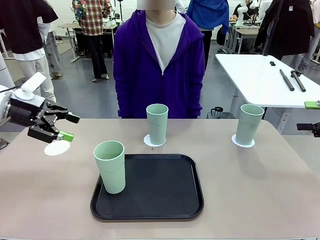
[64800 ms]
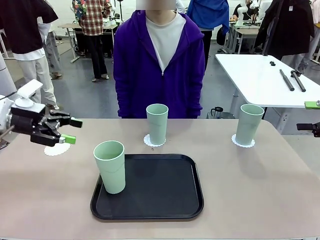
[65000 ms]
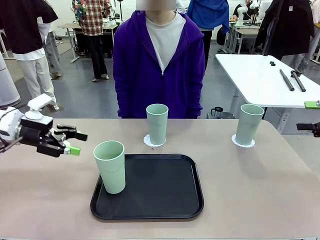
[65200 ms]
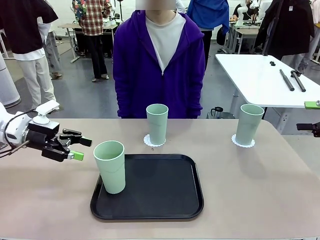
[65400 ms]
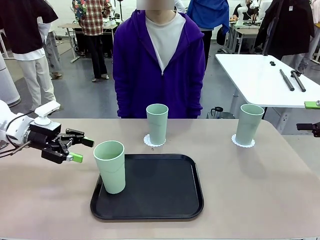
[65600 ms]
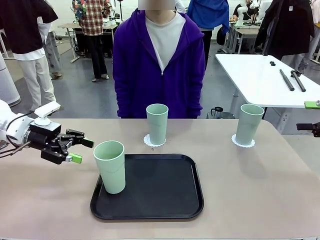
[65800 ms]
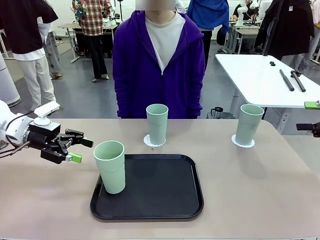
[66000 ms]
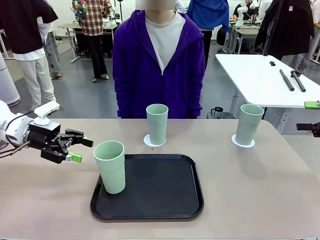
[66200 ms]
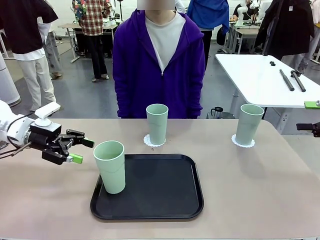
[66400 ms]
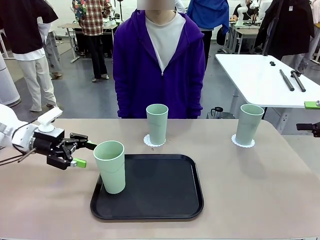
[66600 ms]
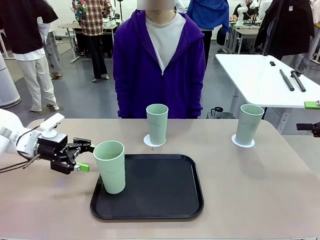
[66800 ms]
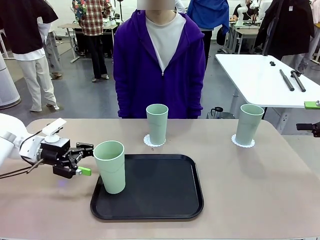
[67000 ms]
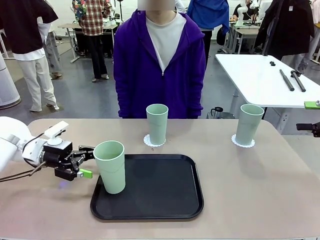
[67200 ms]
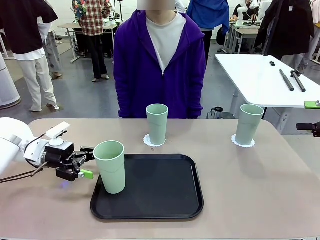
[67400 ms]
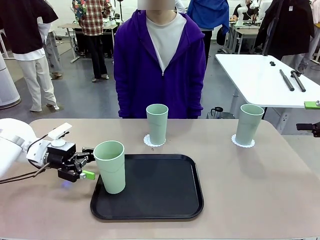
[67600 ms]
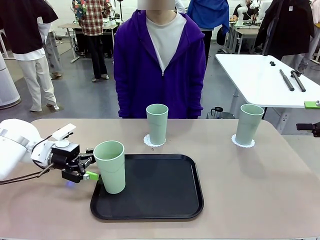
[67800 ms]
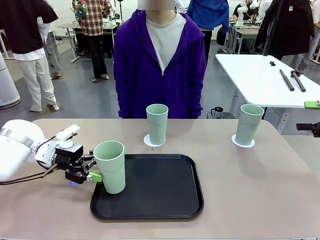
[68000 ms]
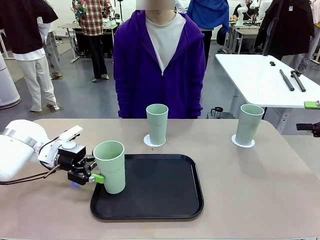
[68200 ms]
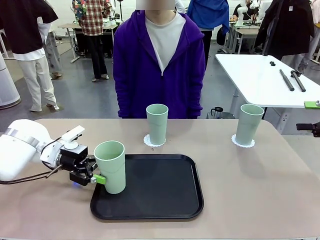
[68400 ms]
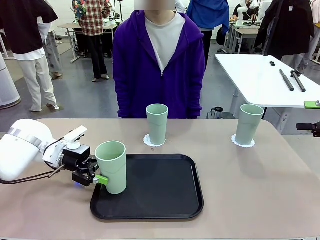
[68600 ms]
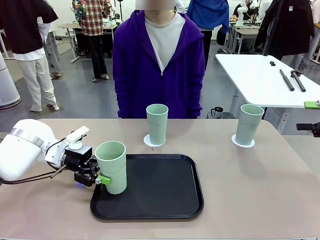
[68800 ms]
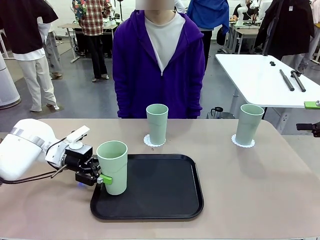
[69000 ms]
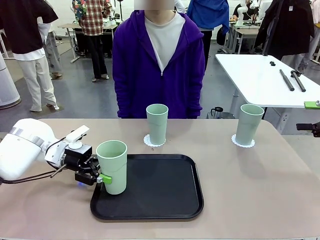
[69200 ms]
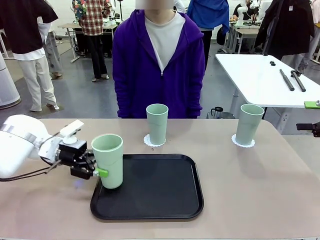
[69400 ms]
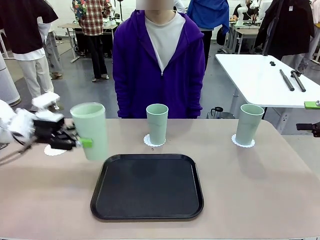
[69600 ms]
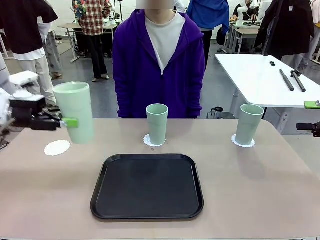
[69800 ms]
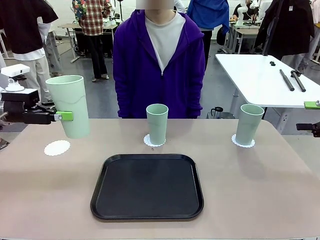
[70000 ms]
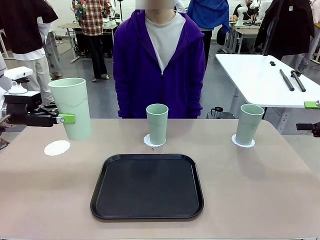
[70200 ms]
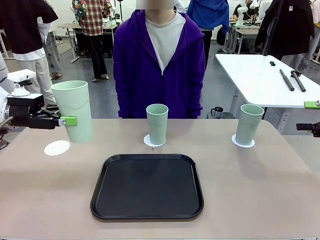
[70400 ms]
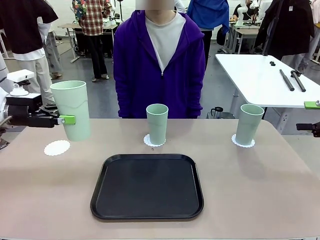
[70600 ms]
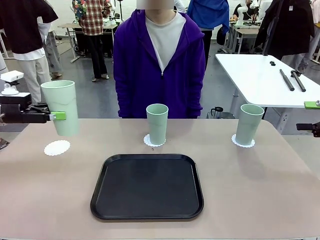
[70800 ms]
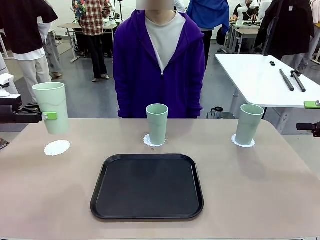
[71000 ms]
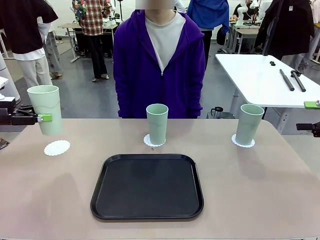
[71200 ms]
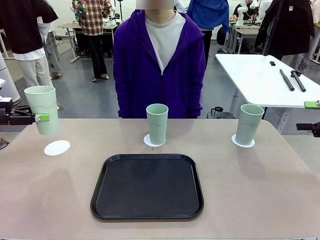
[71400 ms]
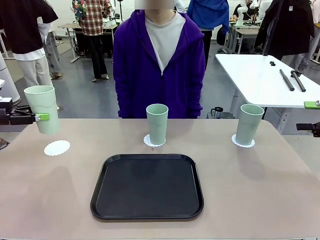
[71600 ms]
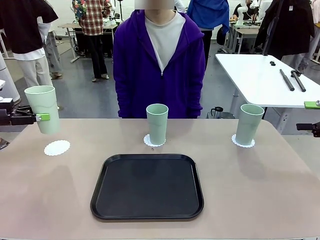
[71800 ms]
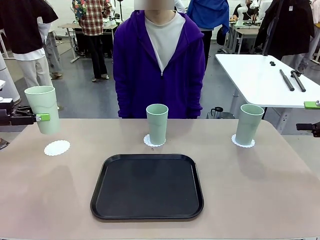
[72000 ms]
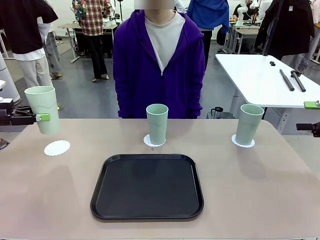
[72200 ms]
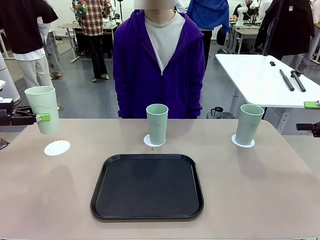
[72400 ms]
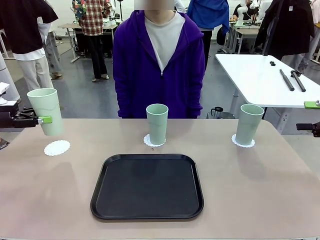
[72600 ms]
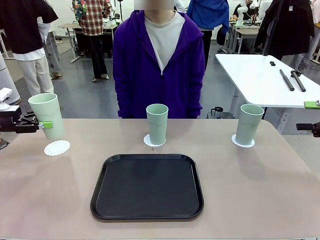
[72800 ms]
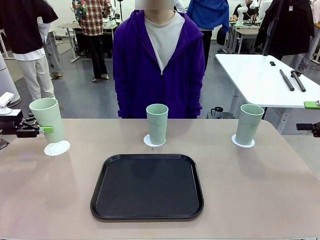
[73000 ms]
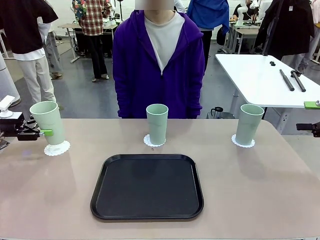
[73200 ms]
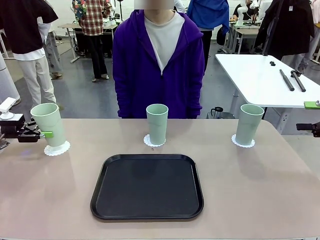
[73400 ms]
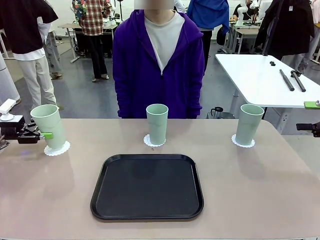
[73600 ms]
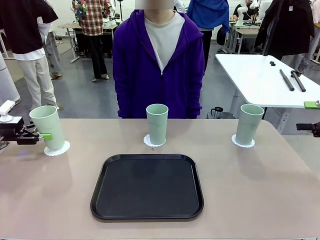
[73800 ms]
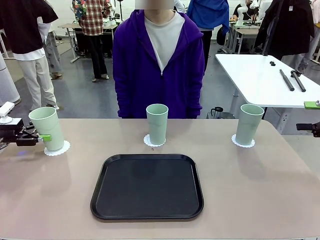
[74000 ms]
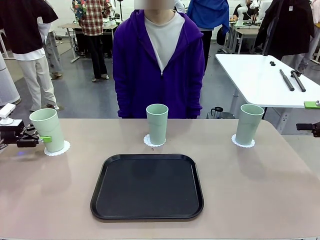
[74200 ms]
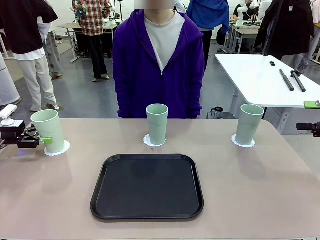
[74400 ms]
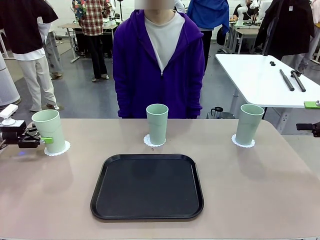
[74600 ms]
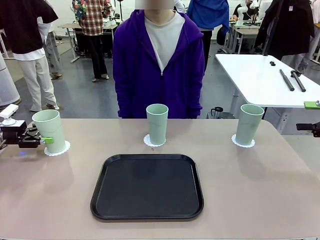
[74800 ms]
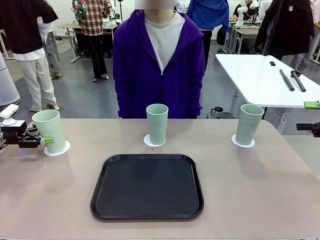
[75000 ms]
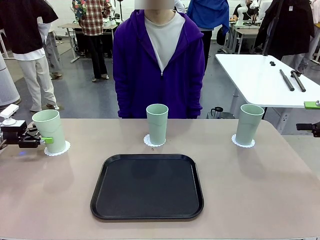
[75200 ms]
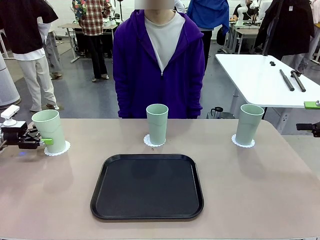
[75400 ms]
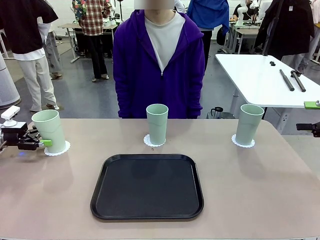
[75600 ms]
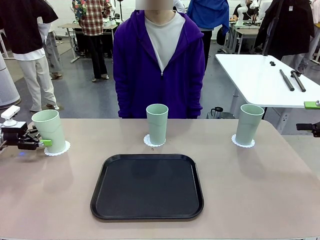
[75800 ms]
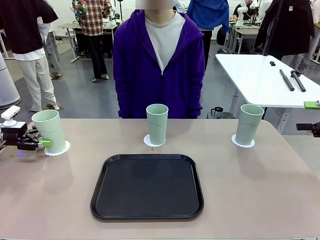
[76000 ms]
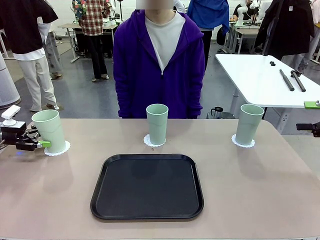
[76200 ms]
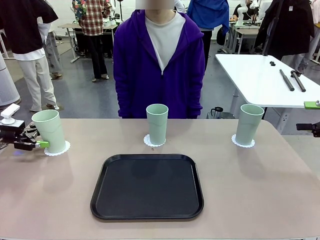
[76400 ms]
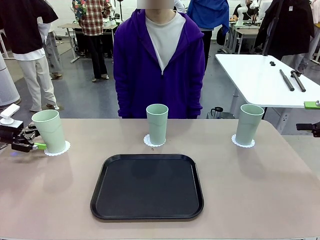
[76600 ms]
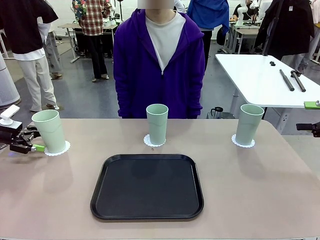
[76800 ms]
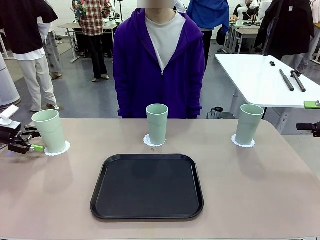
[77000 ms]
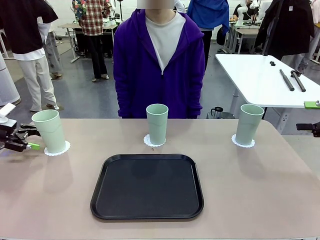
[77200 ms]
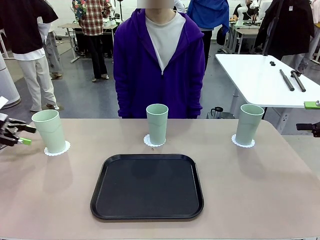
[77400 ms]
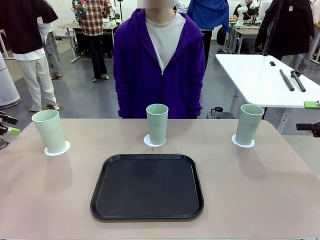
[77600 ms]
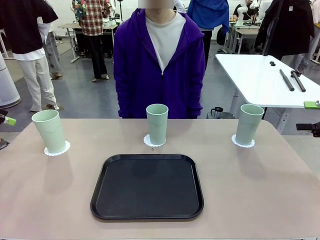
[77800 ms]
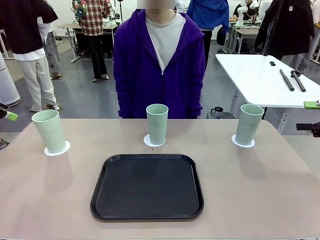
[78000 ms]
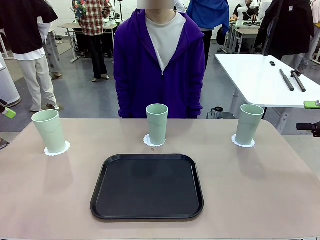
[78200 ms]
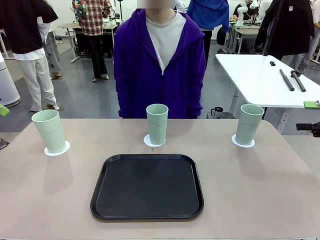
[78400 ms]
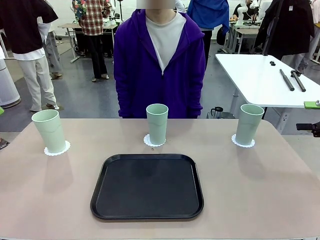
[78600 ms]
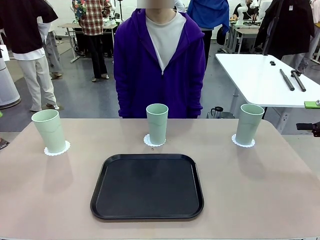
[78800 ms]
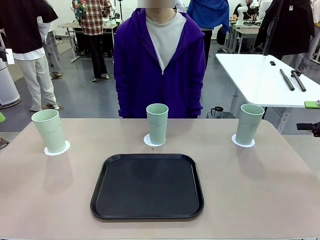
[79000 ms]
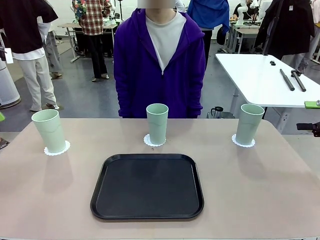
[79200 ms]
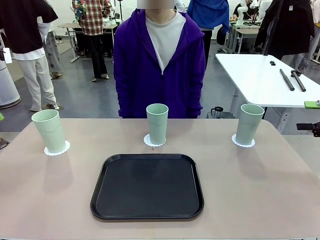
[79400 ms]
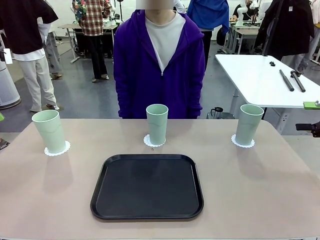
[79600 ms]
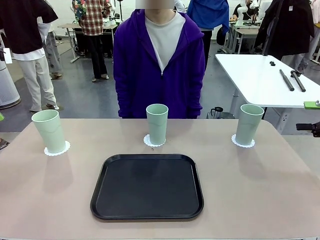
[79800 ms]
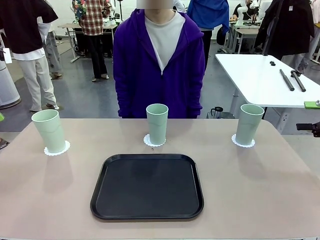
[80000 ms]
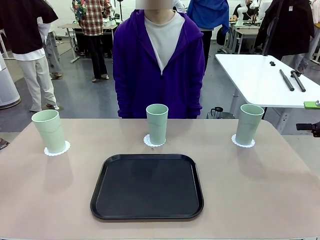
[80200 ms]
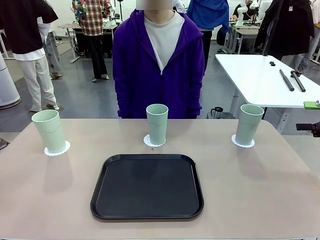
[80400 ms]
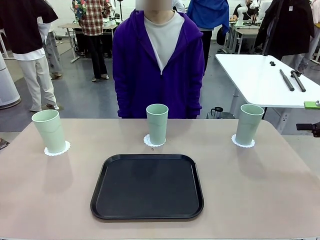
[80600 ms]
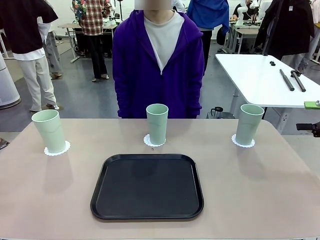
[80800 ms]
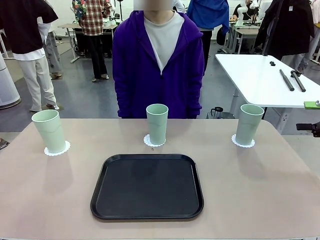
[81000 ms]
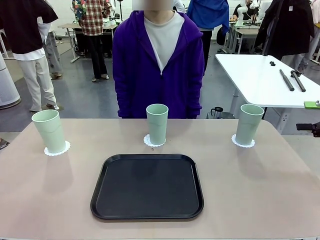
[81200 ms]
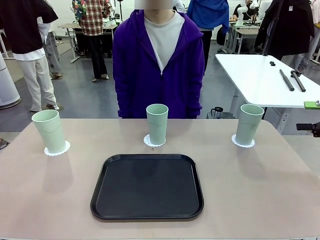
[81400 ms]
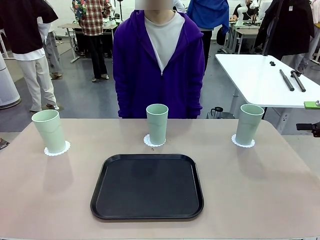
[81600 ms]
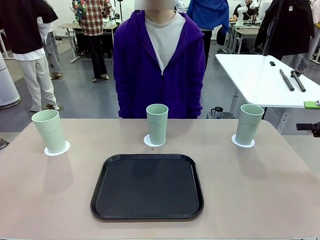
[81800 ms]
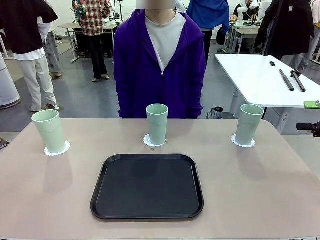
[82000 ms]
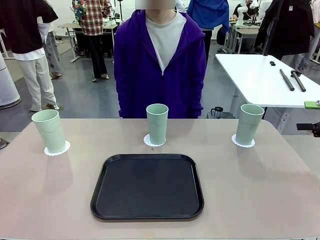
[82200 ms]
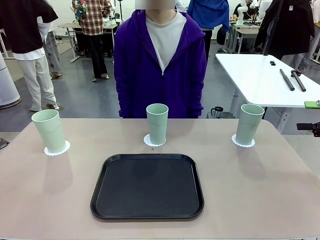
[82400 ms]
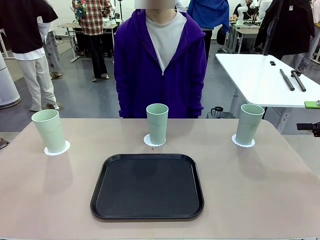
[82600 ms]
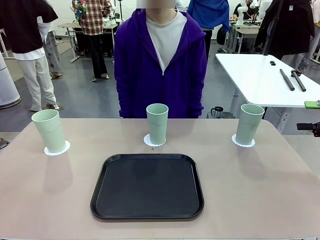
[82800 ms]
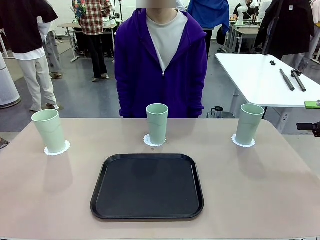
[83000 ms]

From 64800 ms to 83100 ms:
Task: Place coasters on the table and set cups on them.
Robot: Take one Reusable plastic cup from the Flat Tray and place it on a coaster set by the human.
